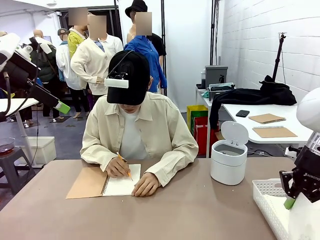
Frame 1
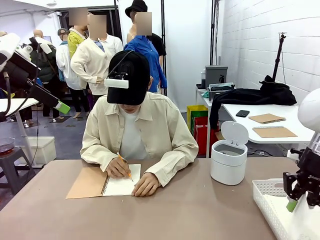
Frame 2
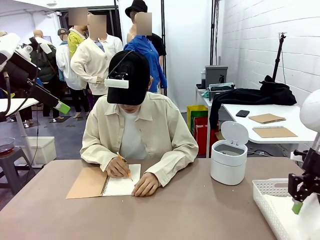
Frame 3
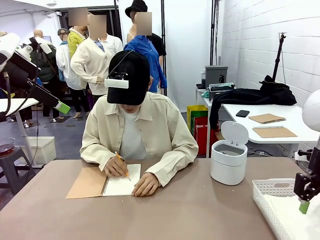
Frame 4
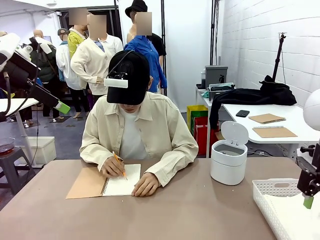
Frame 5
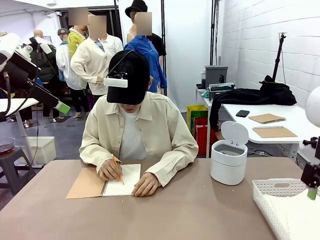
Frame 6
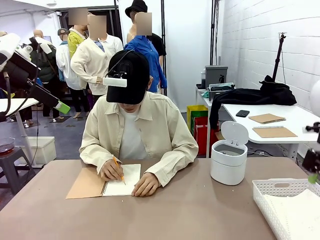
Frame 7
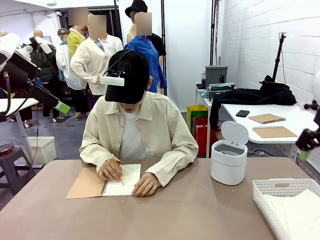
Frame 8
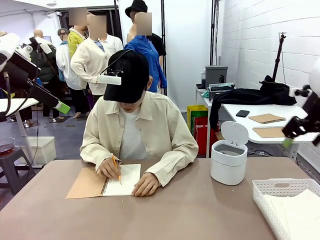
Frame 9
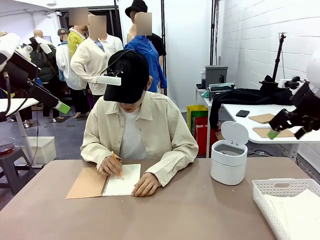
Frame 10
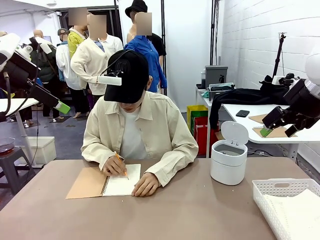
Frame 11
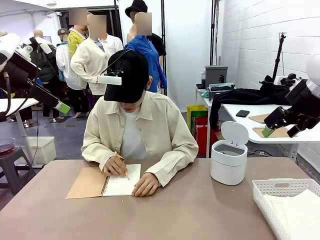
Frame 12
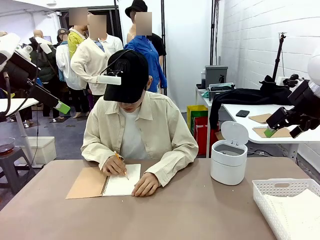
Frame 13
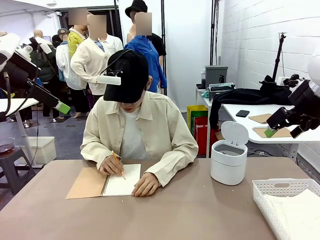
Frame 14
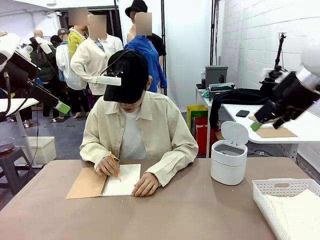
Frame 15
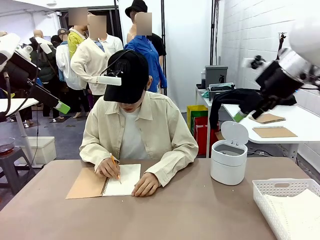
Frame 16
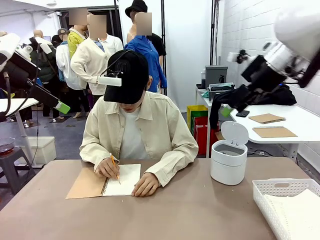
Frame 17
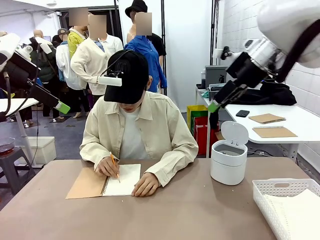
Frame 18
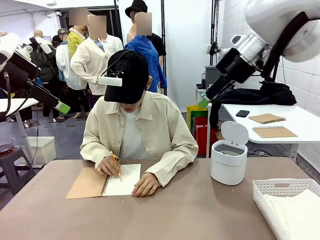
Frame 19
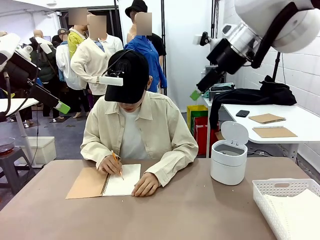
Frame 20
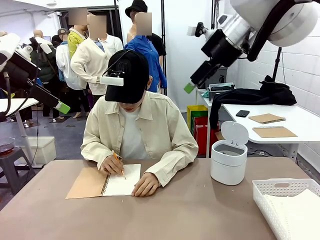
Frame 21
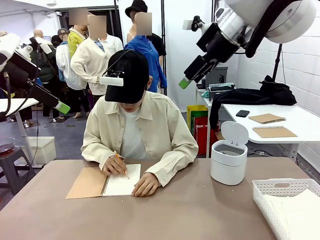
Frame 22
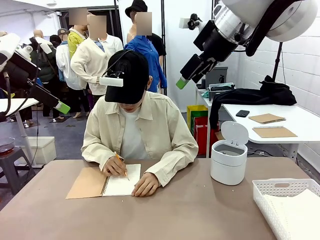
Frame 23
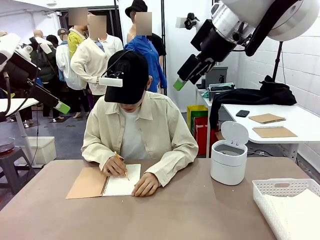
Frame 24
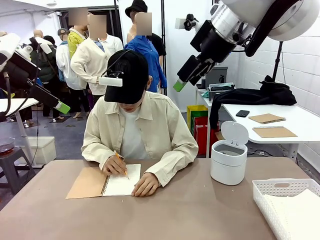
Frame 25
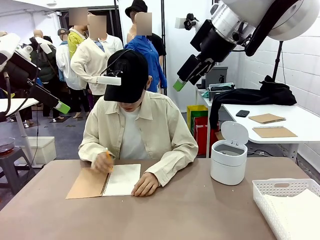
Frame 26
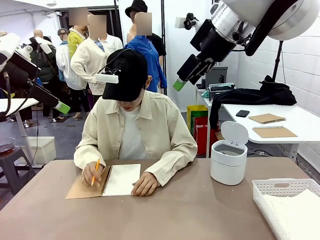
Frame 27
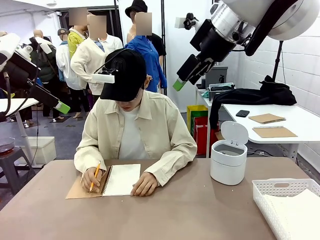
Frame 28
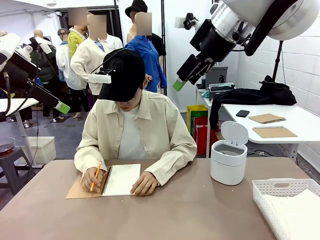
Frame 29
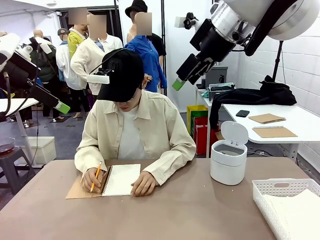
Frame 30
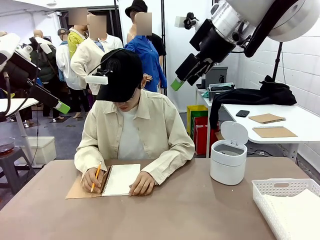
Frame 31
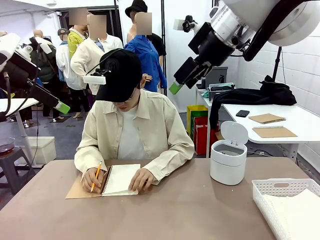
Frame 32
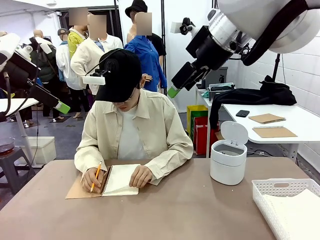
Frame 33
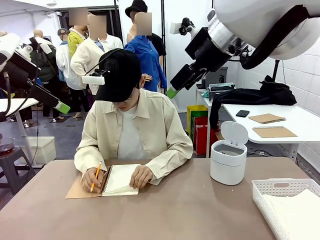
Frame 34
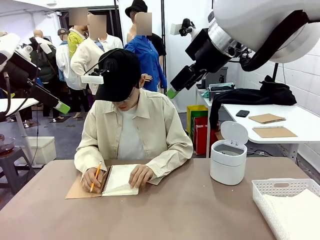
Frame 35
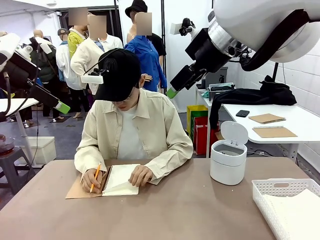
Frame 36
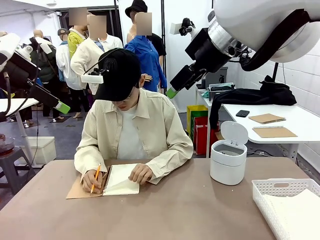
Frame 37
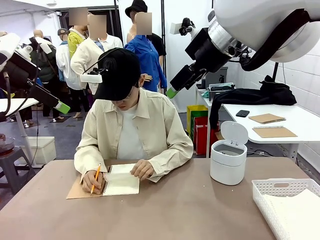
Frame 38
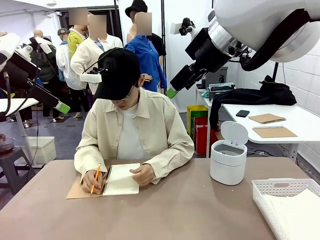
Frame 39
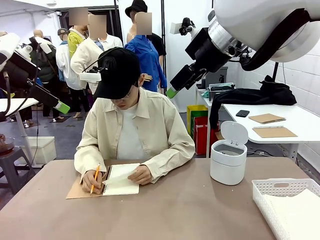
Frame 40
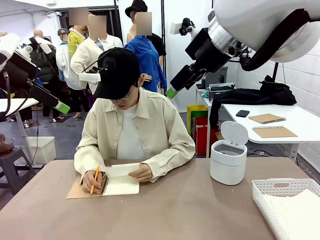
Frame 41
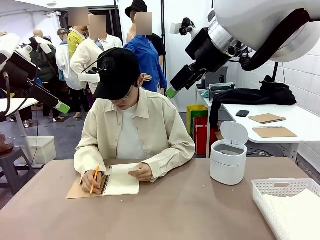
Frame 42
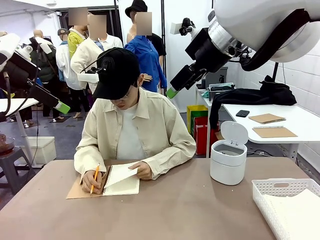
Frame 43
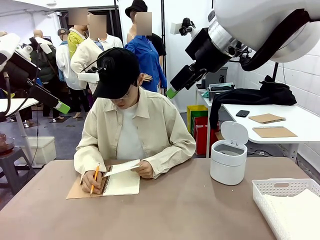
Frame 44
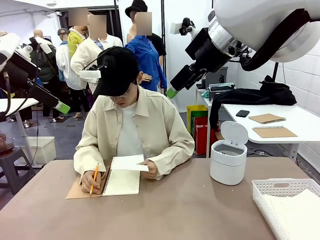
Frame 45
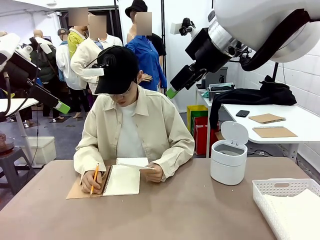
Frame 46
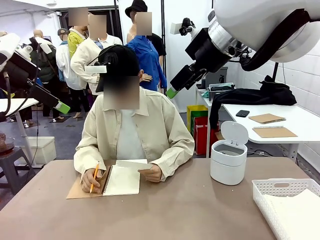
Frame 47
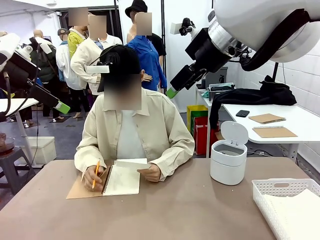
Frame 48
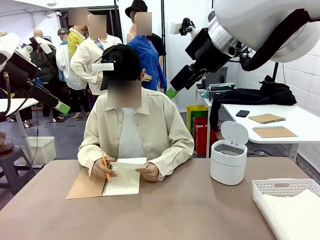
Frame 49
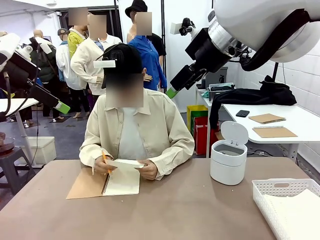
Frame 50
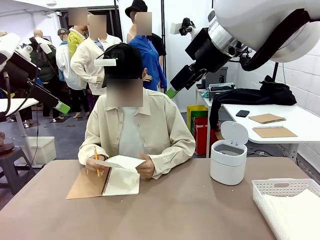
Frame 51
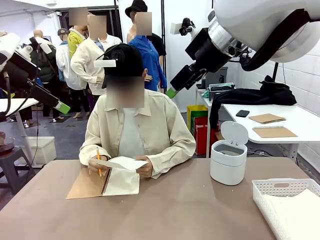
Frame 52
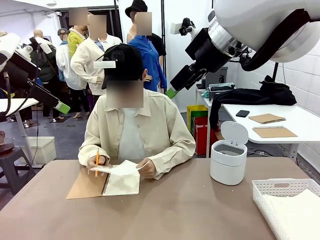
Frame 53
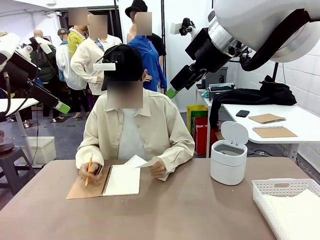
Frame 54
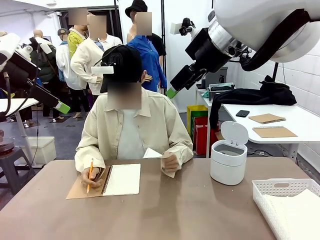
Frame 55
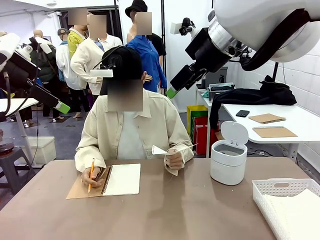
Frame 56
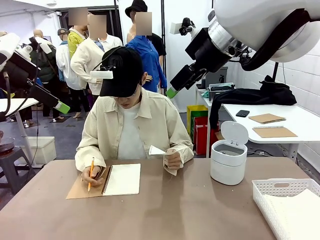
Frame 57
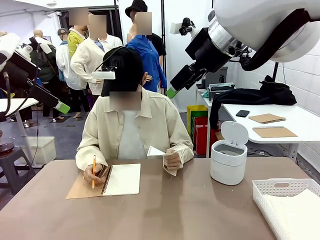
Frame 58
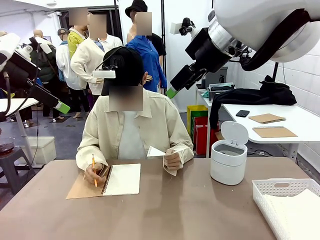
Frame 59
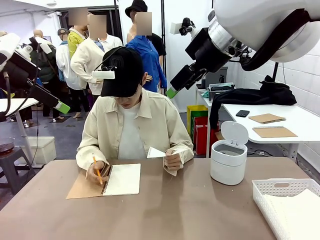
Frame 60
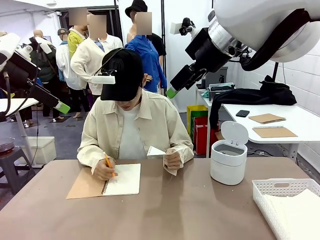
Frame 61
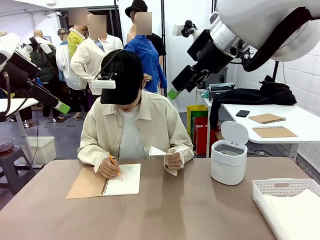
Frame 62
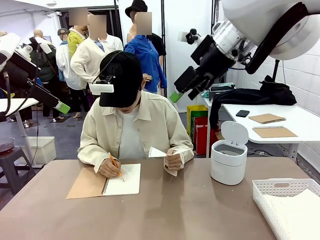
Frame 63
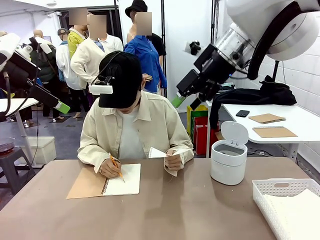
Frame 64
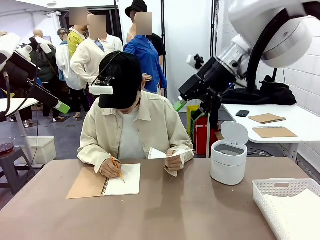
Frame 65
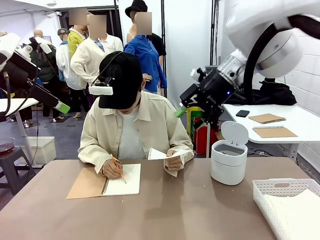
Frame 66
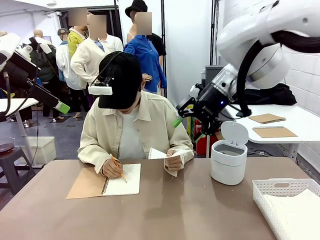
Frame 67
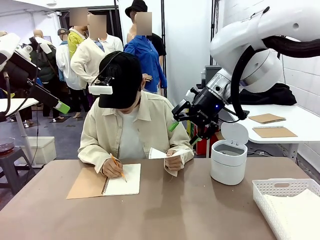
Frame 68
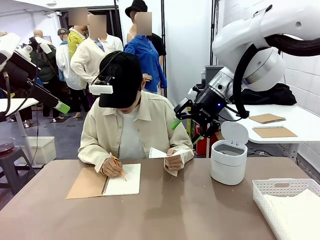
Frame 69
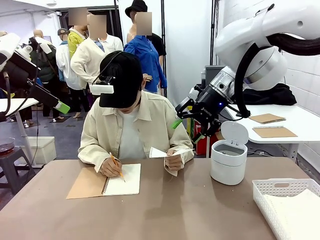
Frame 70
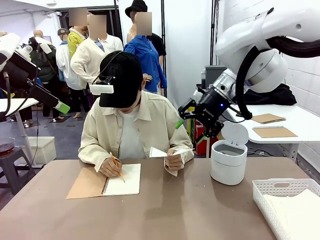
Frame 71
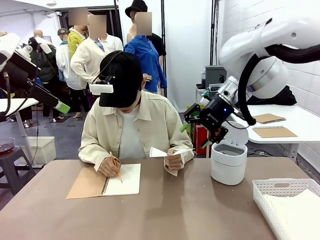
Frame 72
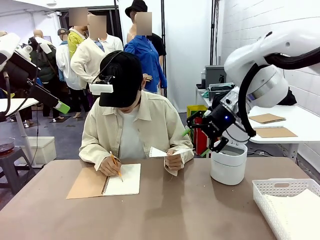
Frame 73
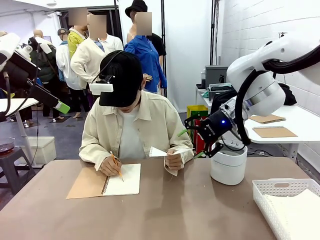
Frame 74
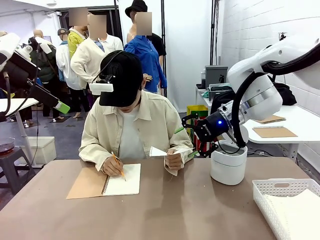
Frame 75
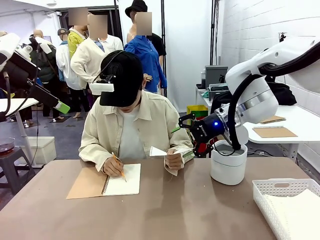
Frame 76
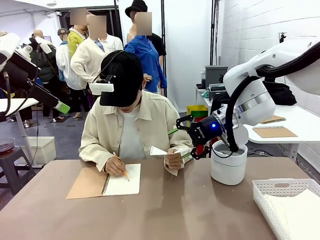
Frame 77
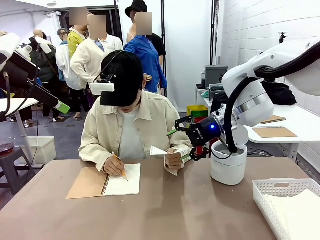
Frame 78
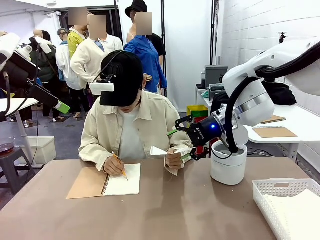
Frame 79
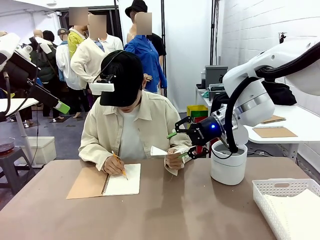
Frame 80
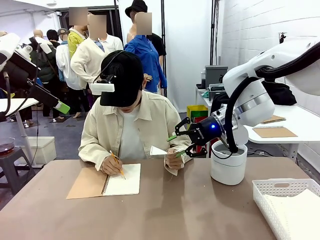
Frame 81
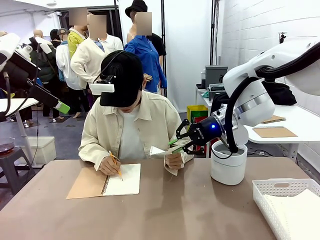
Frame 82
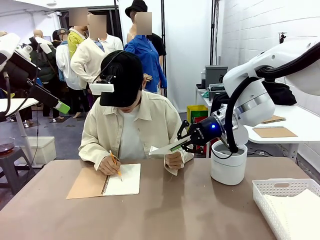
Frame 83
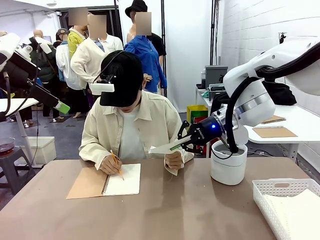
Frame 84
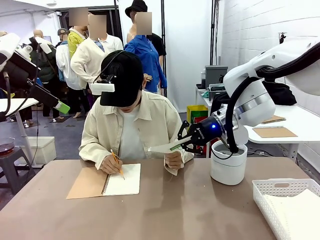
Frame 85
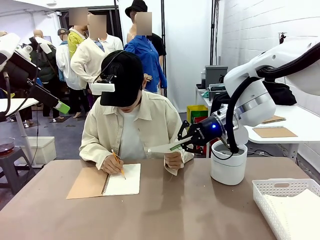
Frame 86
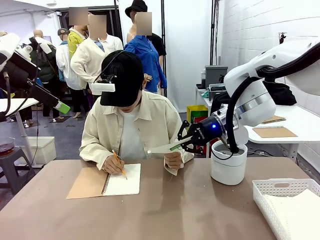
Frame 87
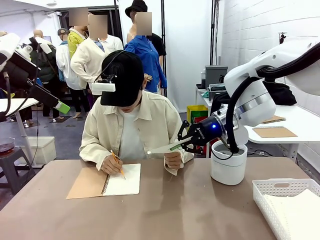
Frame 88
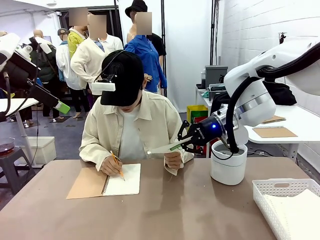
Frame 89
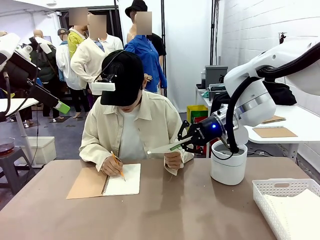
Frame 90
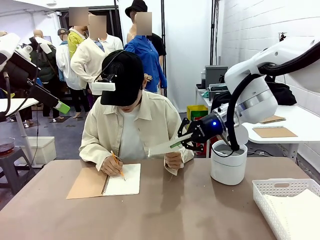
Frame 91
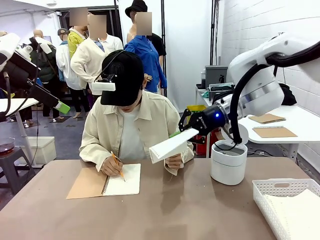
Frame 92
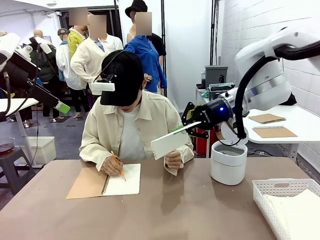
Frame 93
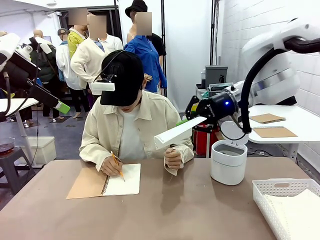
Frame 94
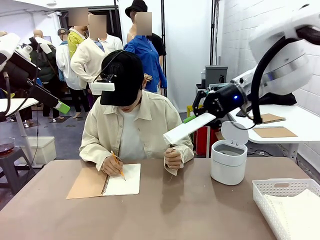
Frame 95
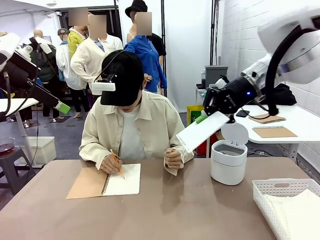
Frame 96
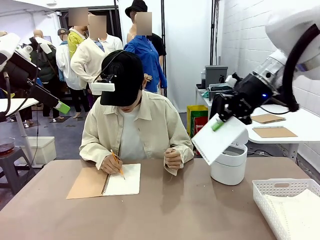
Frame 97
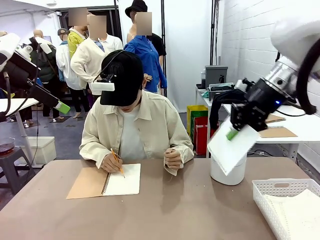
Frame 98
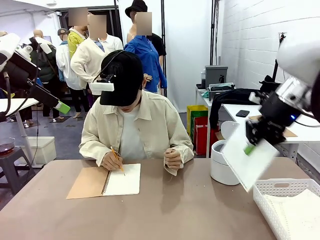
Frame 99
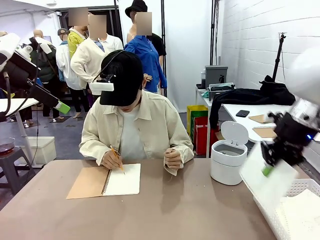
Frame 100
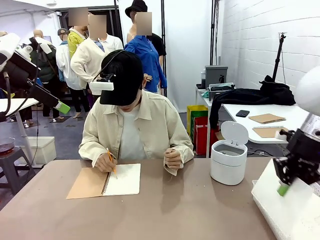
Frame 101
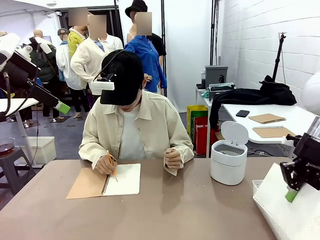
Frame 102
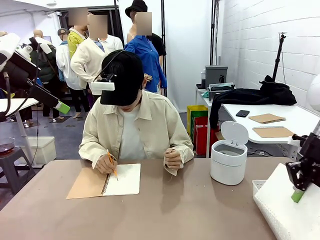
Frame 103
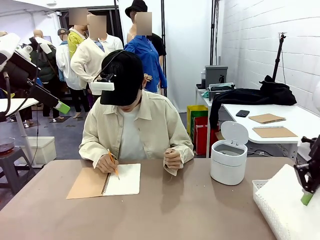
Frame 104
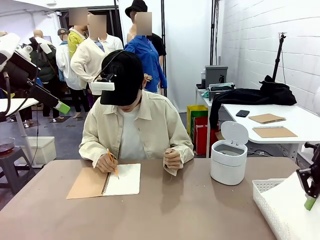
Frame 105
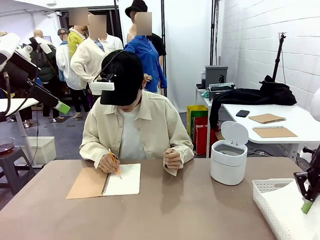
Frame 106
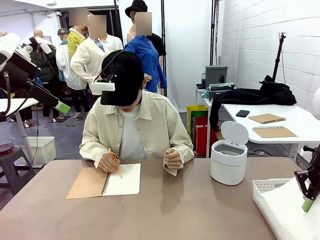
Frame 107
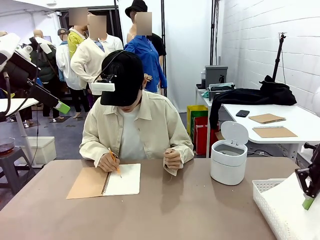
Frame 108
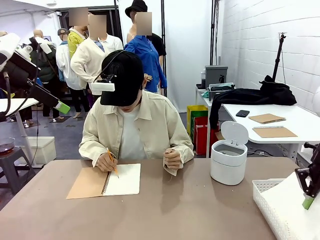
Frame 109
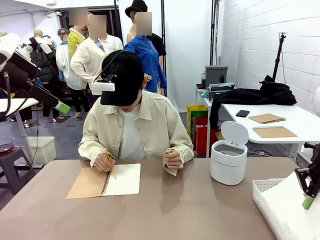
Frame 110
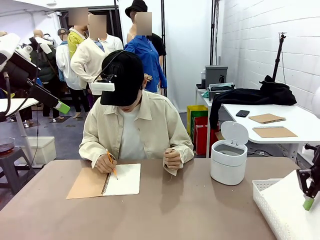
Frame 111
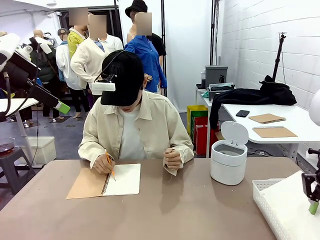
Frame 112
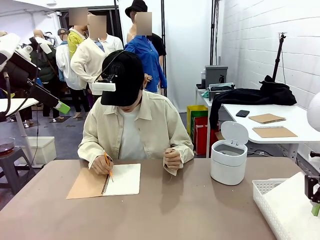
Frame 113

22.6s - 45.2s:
Task: Sort the paper based on its condition.
Robot: If a person hands you a paper, place it in the Organizing basket , and if it's crumpled, put it in the Trash can.
Person: Hand the torn page to the robot or crumple it and throw it to the center of the table. Tear out a page from the spiral notebook.
